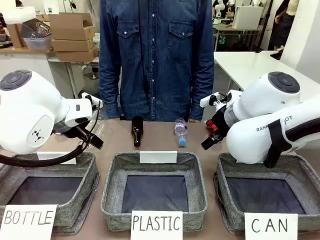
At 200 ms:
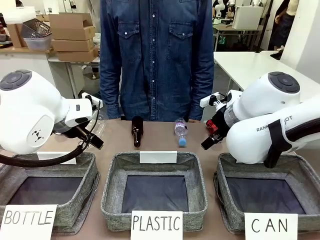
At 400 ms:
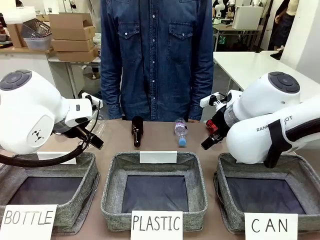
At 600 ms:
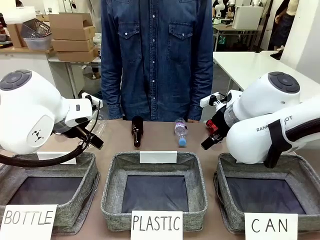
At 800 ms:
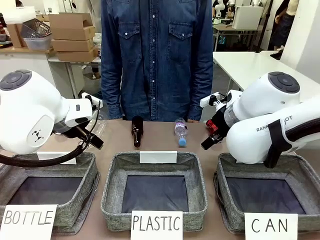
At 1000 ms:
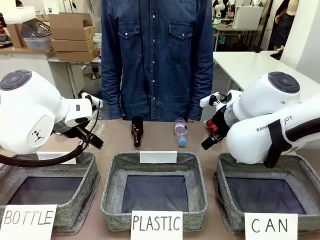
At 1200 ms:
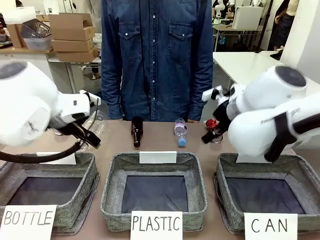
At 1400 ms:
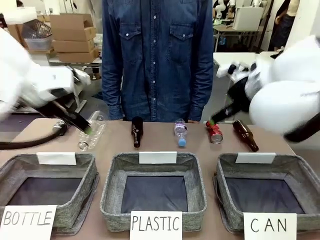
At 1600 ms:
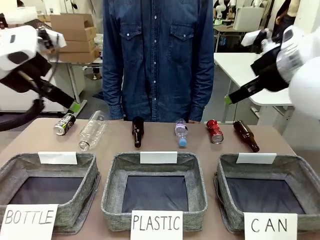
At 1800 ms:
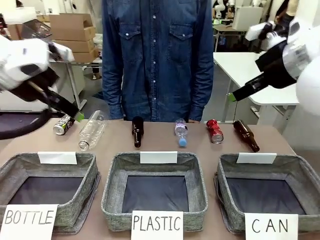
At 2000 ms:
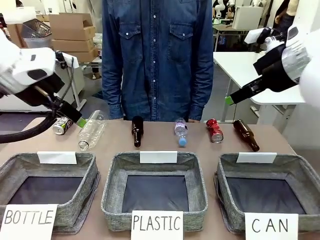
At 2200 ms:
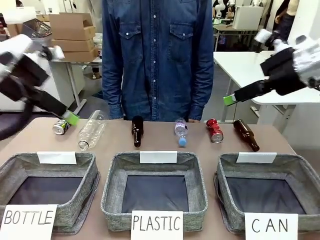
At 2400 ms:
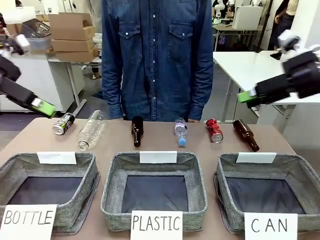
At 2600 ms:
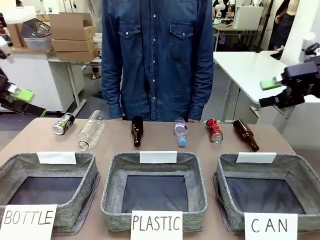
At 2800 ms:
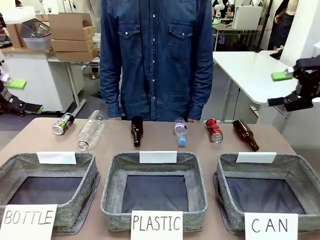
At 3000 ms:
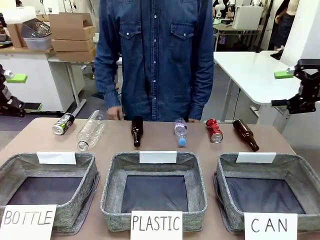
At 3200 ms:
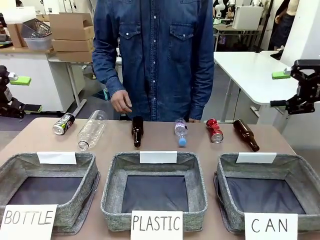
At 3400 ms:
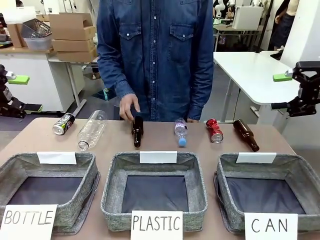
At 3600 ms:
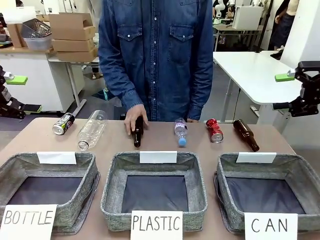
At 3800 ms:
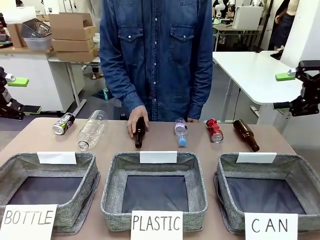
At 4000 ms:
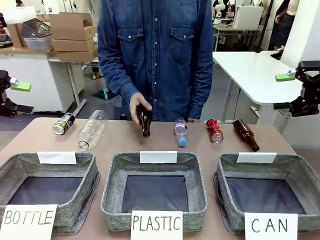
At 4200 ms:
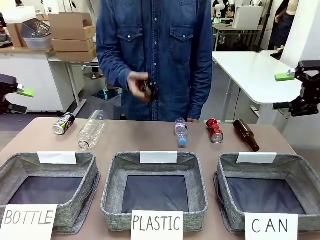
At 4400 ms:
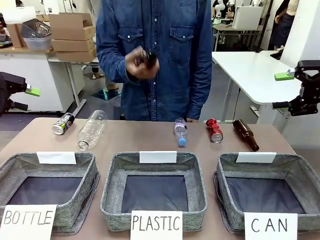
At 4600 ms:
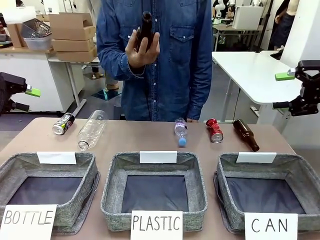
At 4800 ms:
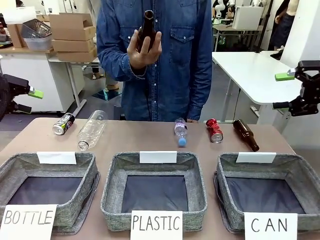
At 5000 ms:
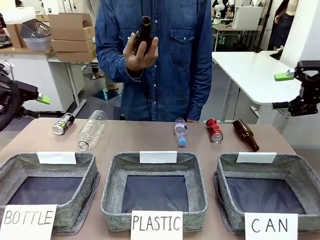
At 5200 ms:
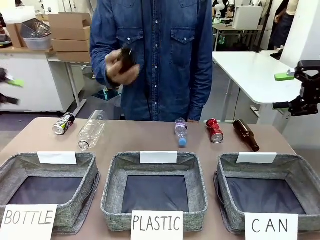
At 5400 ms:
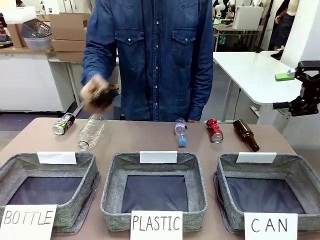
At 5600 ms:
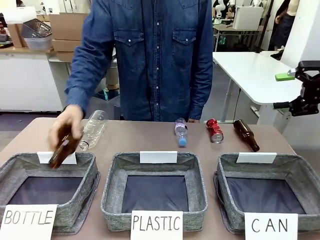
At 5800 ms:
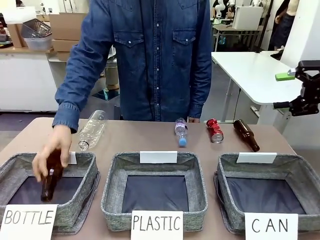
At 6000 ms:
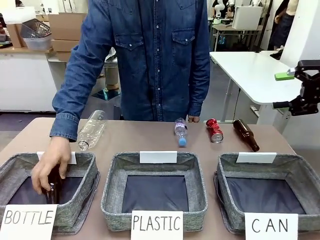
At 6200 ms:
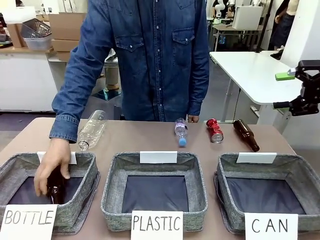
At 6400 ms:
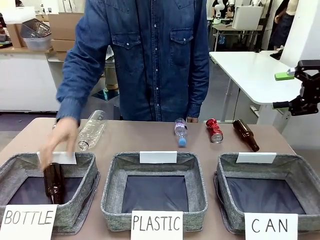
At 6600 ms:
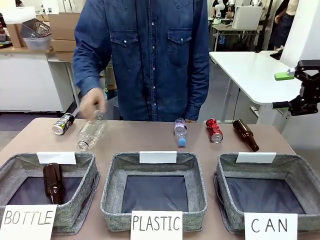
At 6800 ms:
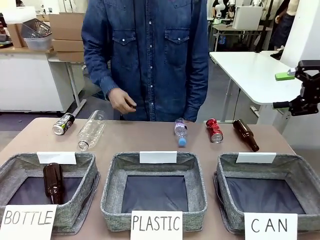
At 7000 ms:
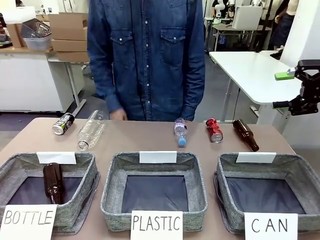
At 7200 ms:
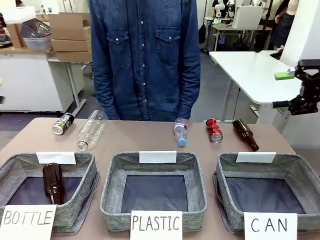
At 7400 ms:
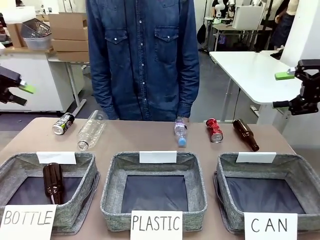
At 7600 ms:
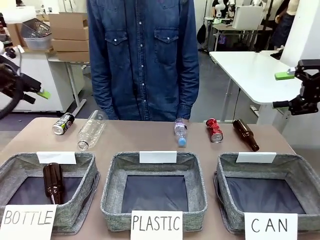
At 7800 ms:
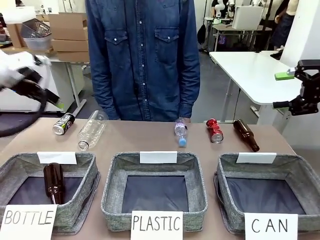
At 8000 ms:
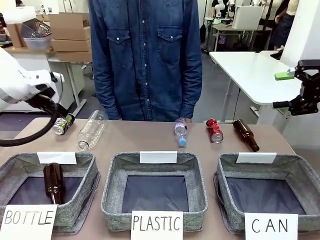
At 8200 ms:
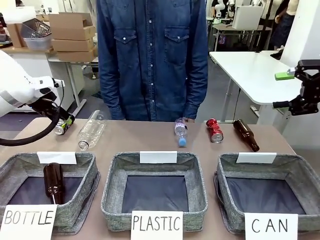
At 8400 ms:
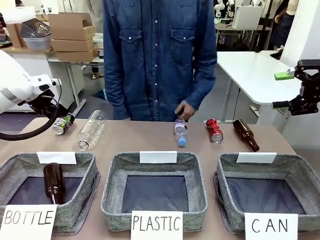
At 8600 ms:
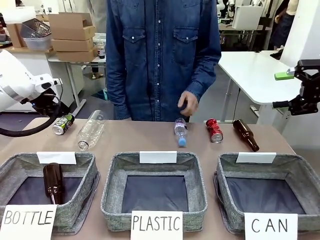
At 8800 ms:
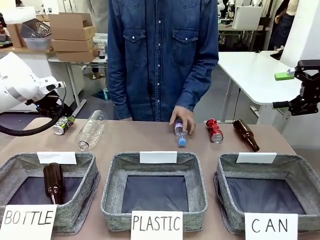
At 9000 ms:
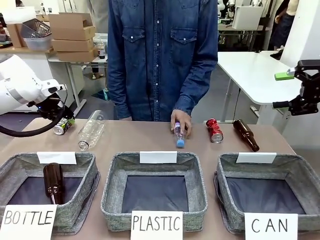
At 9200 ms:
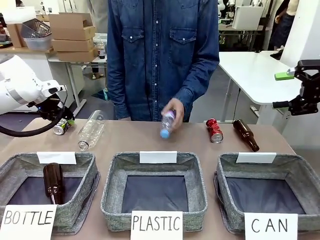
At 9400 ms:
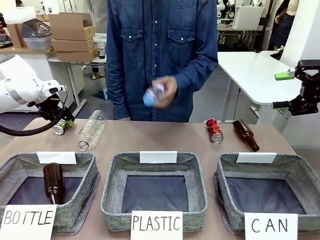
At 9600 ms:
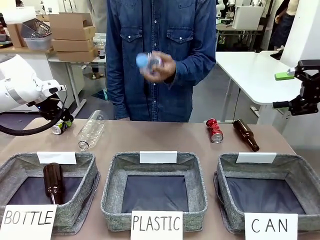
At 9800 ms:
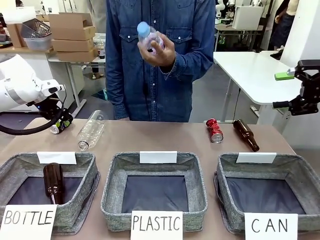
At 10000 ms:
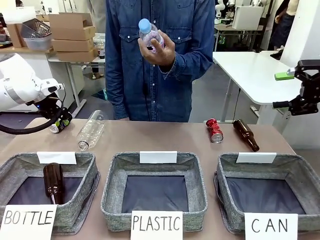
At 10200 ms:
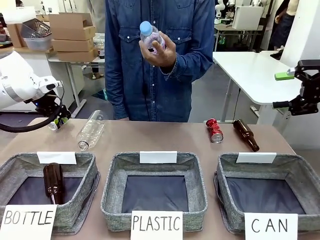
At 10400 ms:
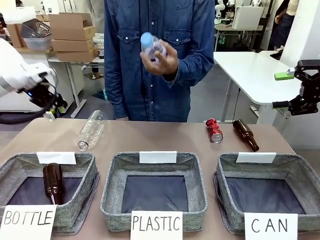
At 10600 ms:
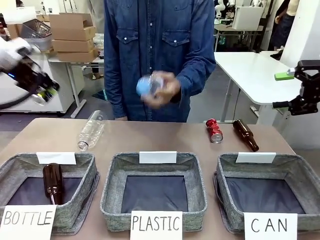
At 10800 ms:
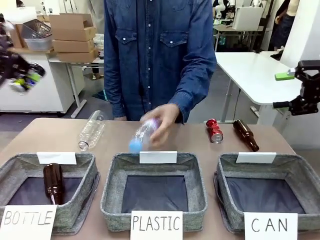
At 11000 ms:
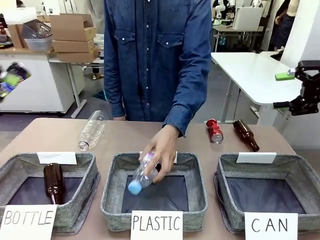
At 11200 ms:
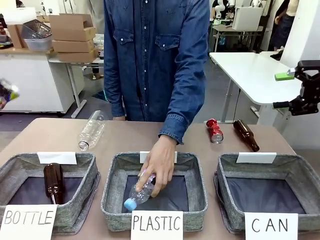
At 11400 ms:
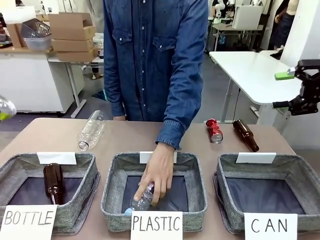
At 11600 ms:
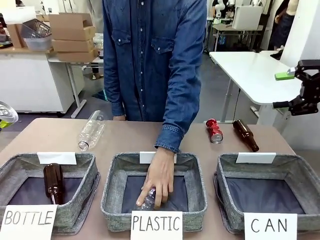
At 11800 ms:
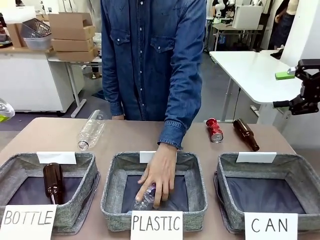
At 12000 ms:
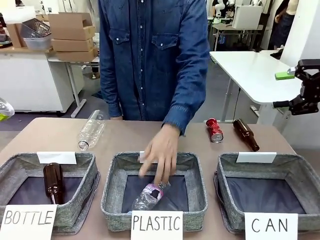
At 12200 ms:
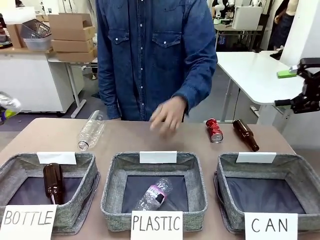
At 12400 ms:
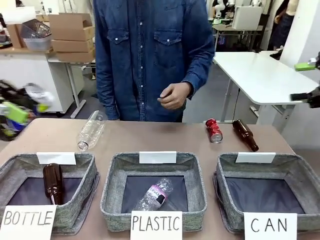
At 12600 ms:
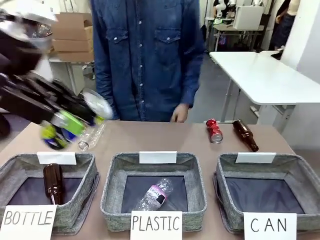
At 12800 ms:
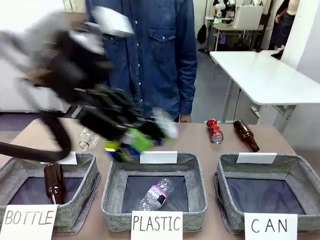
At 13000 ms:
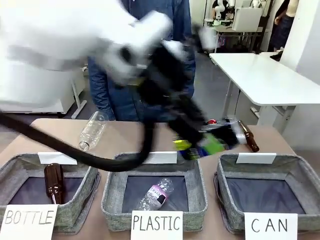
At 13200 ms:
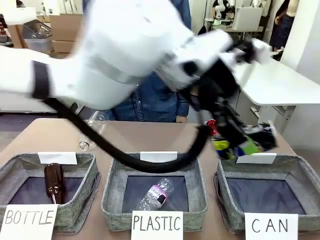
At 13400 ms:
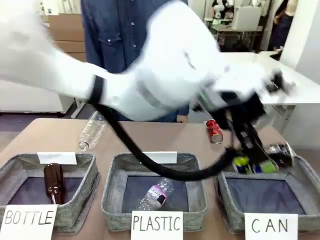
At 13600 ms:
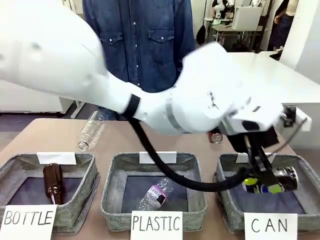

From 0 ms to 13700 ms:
Task: Sort the can waste into the basket.
Robot: Pick up the can waste from the table and place it in the right Fabric basket.

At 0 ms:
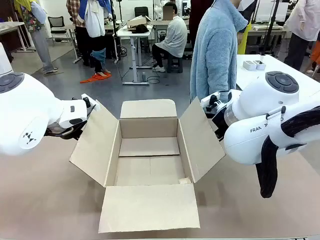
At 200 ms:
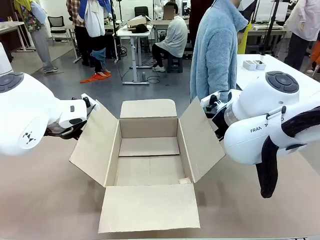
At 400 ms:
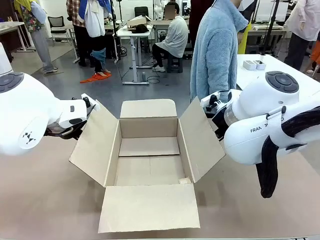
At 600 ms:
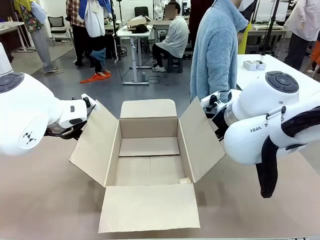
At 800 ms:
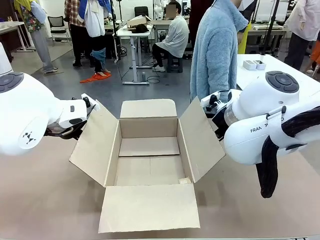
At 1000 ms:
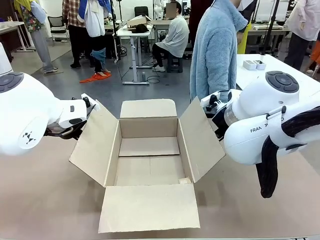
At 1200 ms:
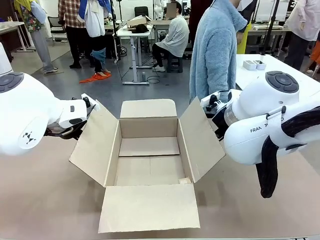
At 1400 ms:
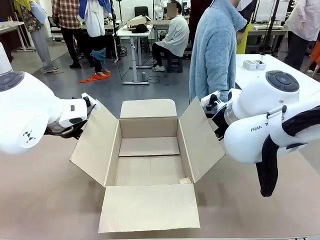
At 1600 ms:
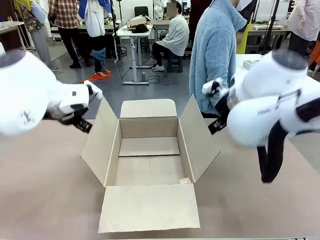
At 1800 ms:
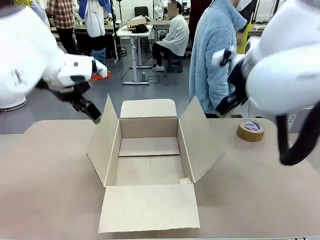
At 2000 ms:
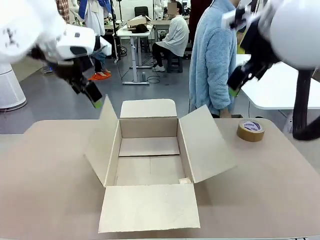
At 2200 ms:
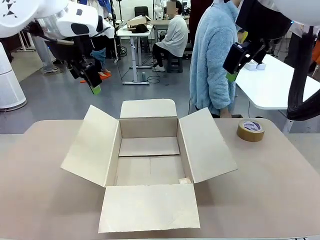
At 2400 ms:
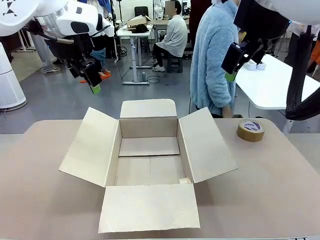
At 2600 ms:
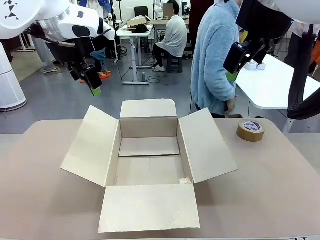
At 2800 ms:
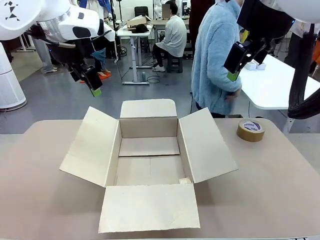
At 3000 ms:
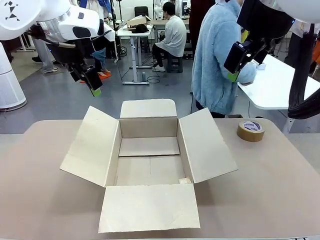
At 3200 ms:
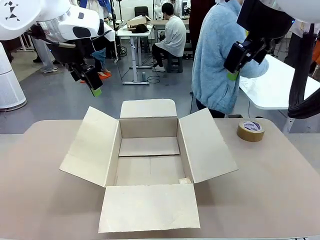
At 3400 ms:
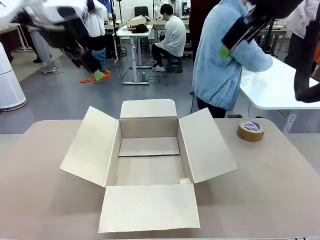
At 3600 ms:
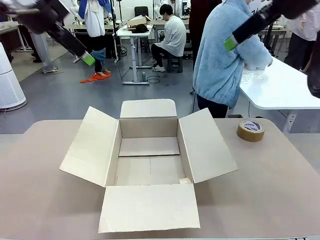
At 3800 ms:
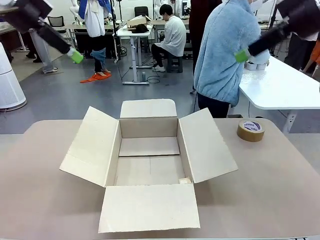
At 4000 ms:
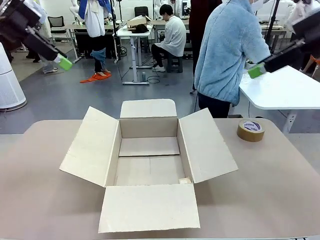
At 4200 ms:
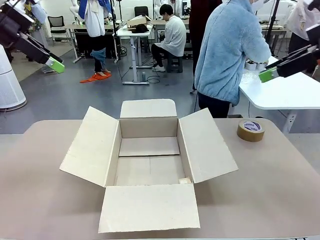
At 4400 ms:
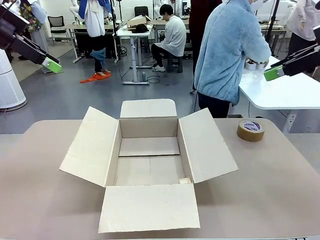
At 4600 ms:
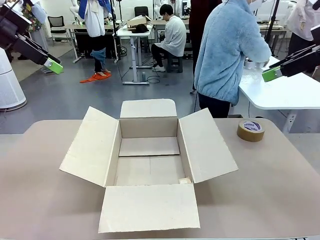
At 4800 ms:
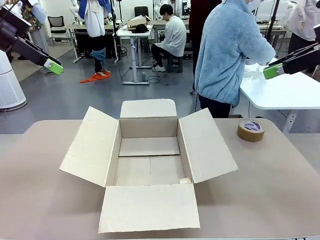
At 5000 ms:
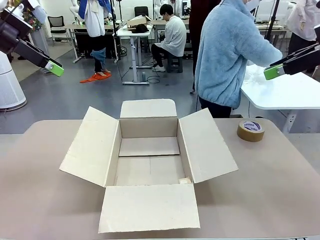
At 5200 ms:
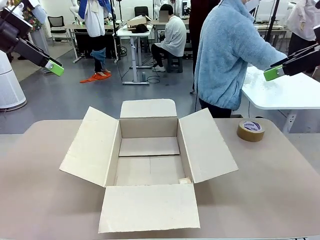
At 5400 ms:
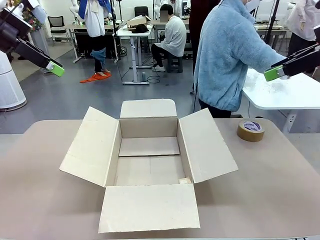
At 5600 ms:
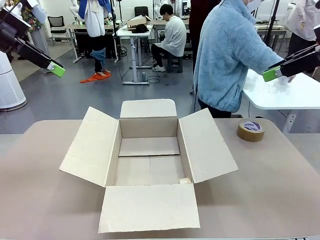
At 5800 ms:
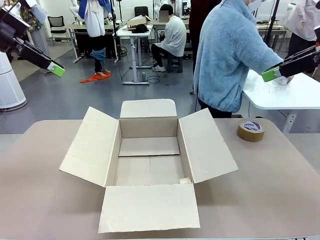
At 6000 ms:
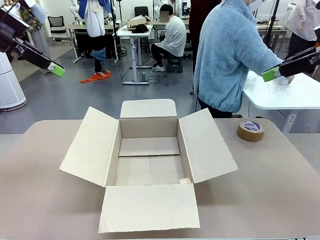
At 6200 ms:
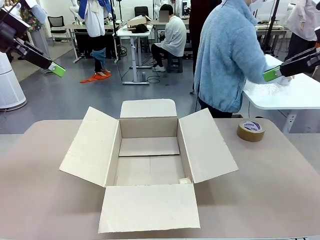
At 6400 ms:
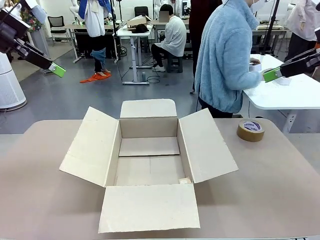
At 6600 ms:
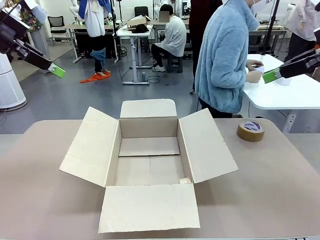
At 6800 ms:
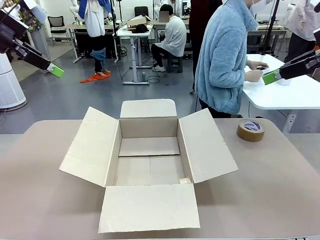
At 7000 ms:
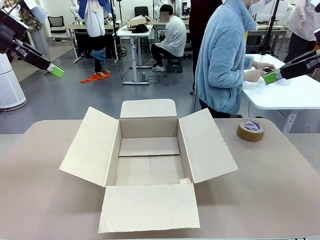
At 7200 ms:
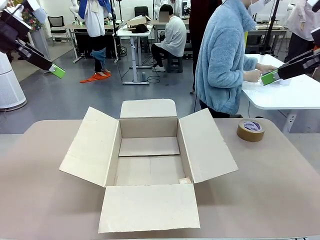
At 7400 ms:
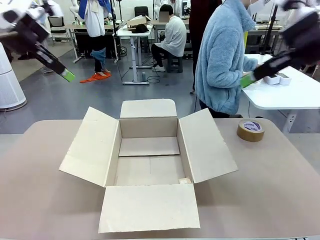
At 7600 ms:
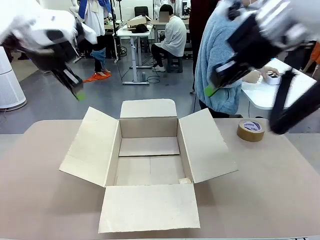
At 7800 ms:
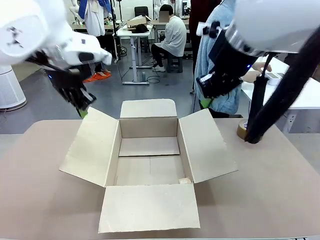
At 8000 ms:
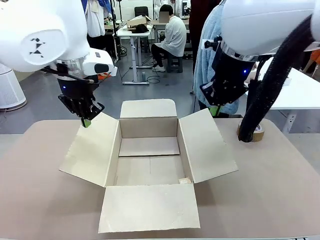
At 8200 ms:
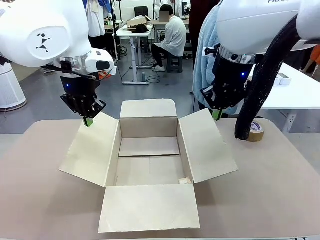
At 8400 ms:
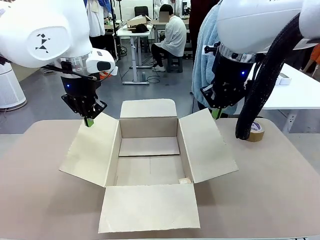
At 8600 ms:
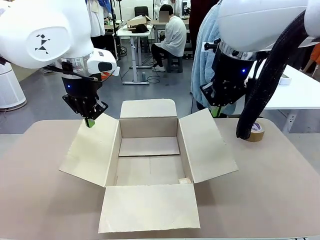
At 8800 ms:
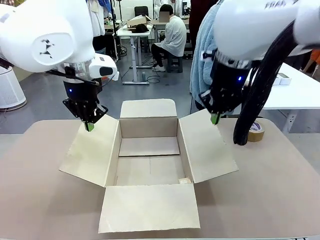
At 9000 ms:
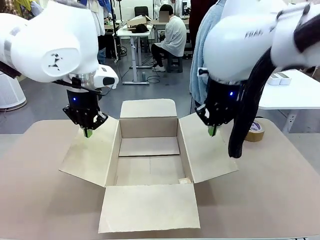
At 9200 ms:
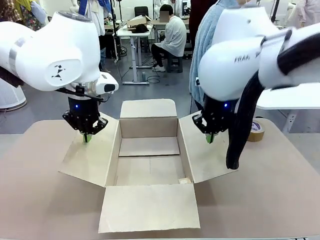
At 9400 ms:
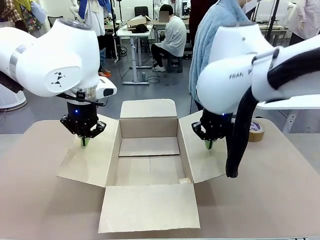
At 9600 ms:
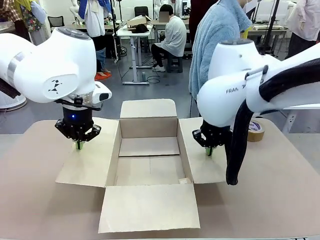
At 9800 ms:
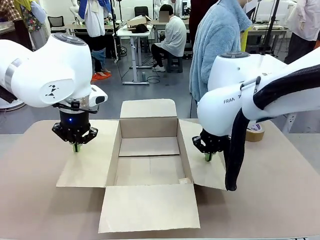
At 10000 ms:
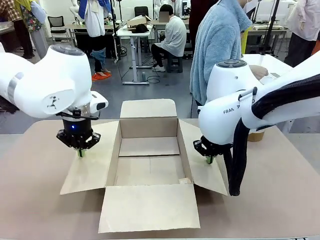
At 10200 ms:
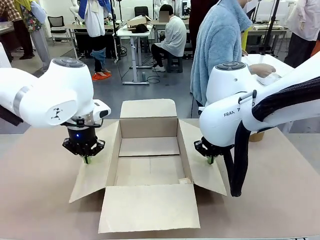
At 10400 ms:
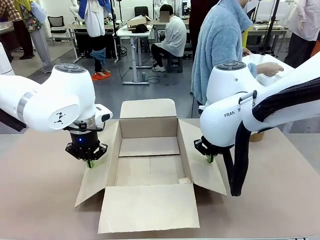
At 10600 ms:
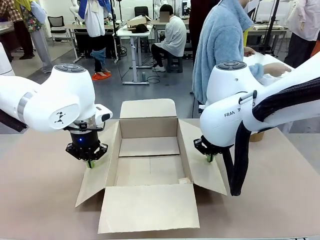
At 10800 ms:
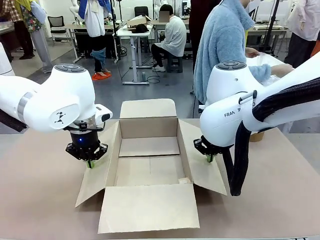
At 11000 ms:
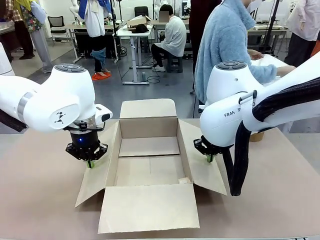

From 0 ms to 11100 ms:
Task: Wrap the clocks to prevent damage.
Robot: Open the side flaps of the Package Box.
